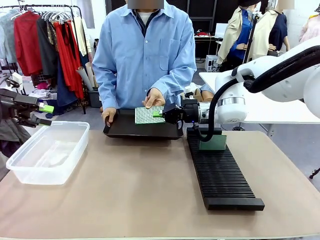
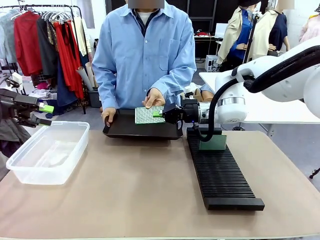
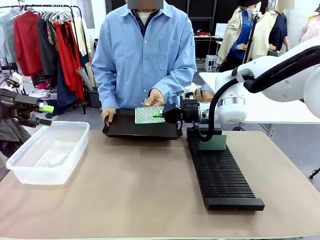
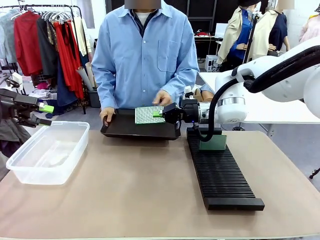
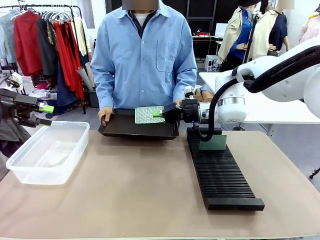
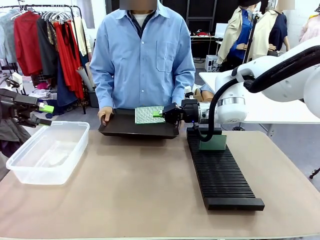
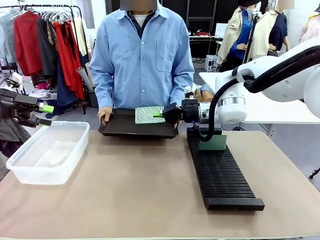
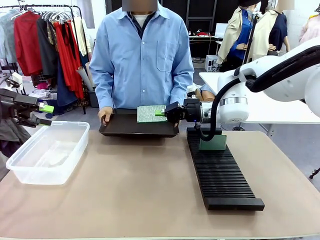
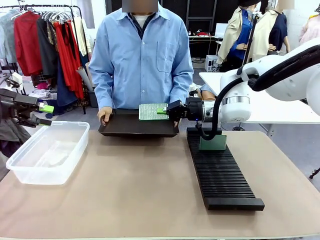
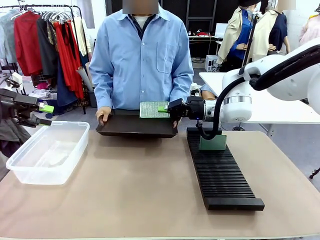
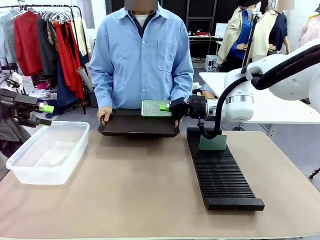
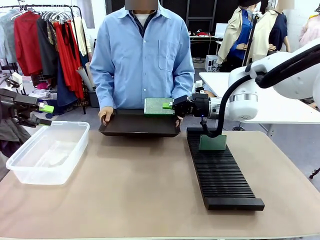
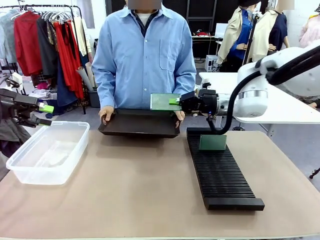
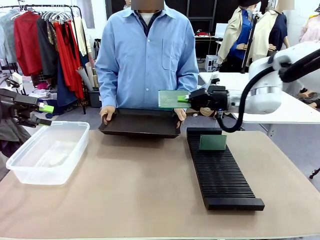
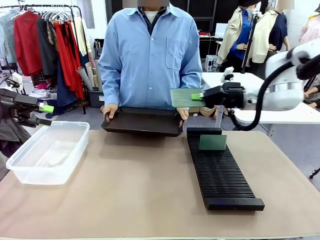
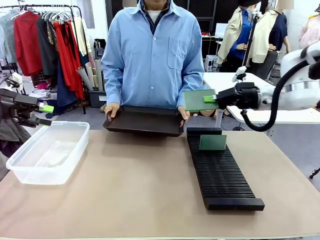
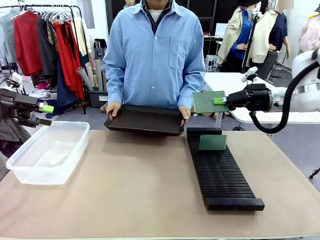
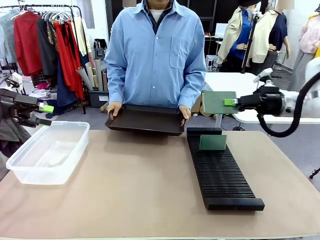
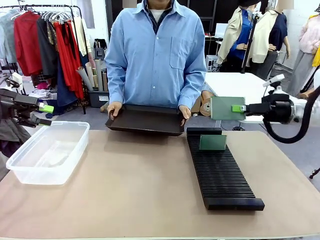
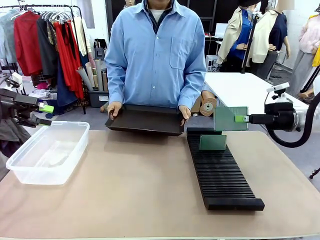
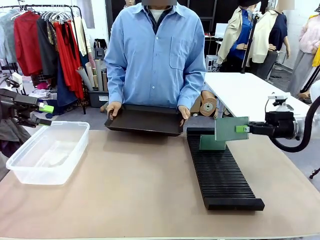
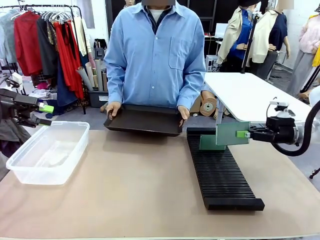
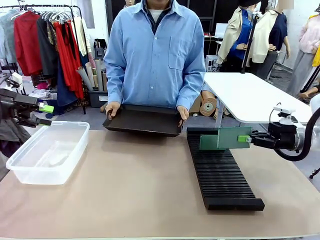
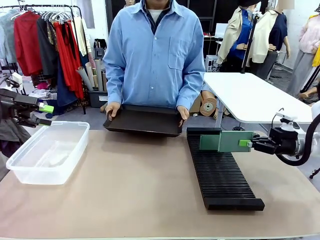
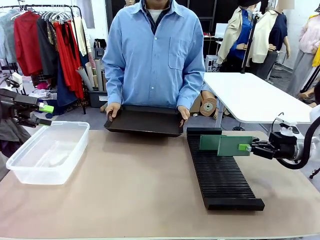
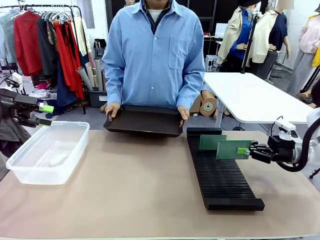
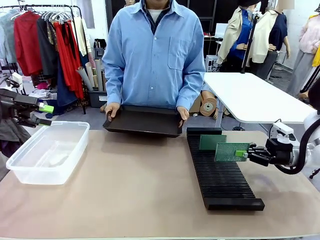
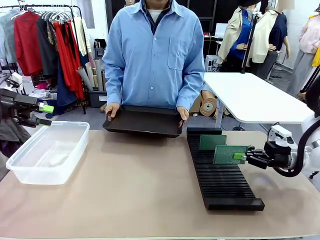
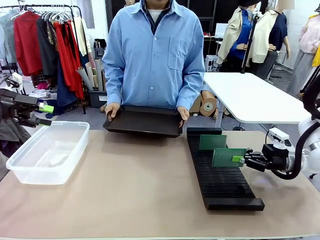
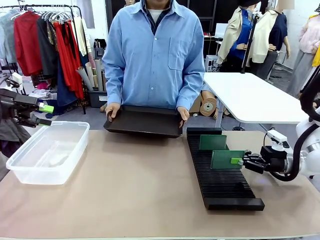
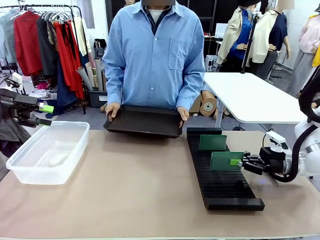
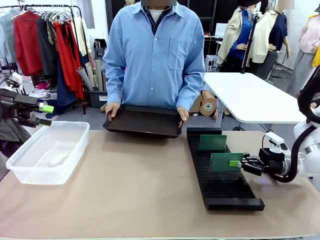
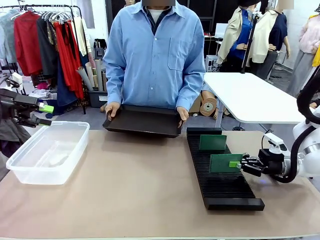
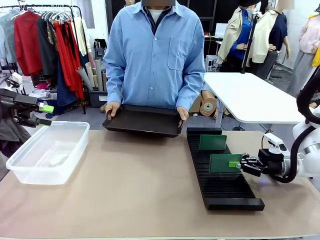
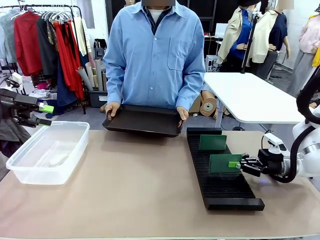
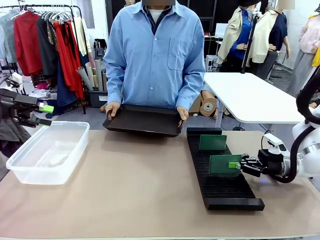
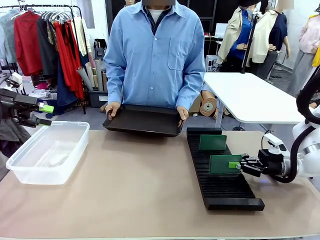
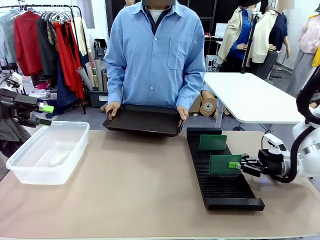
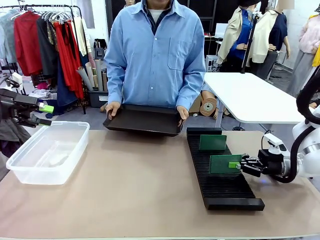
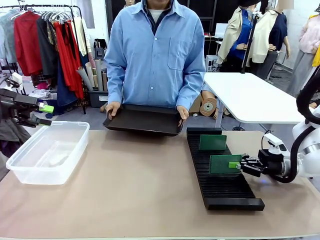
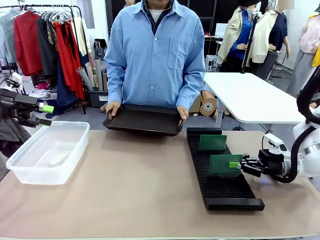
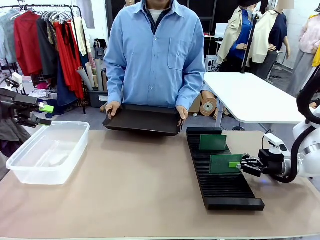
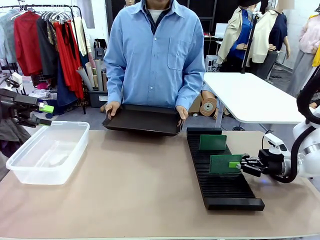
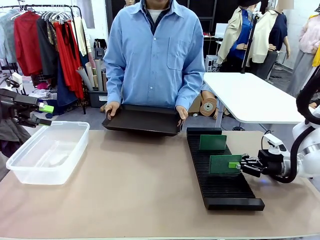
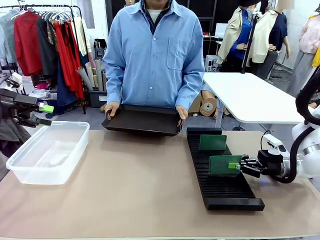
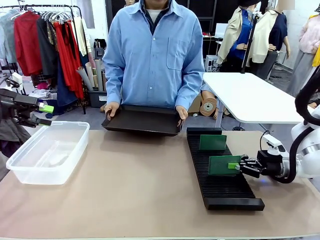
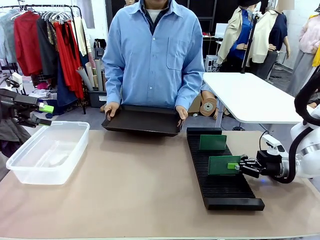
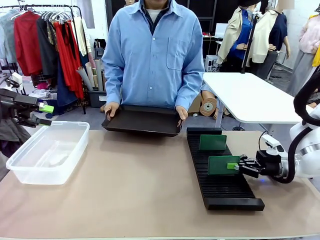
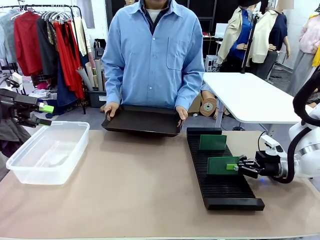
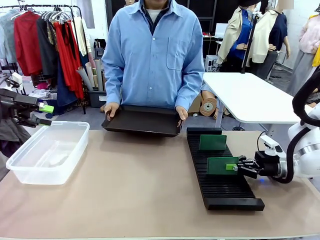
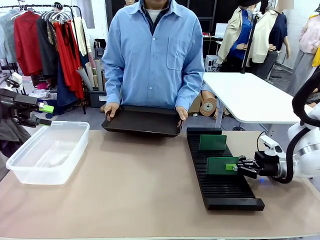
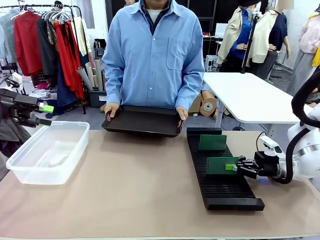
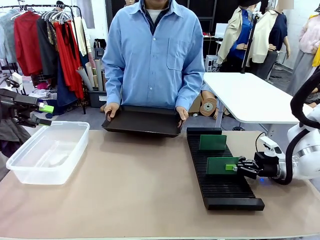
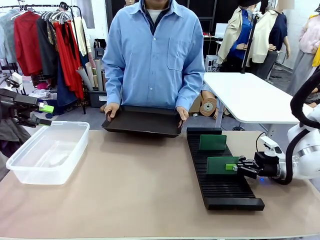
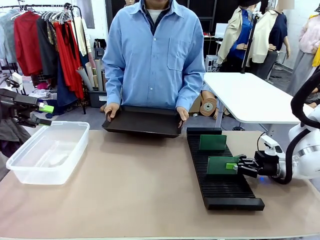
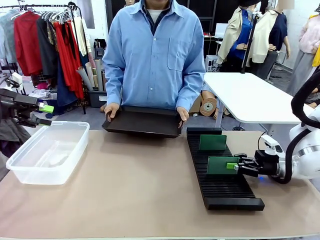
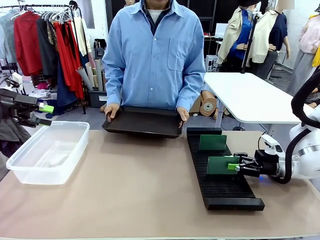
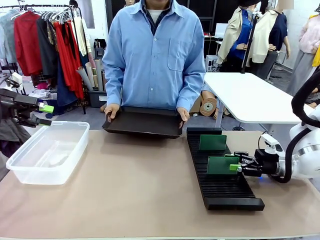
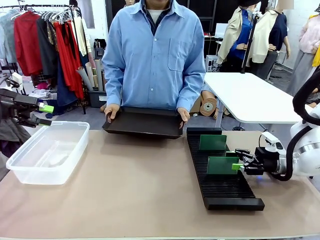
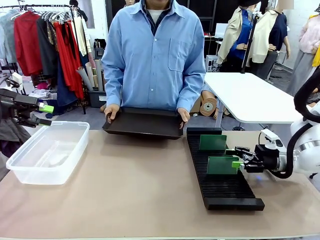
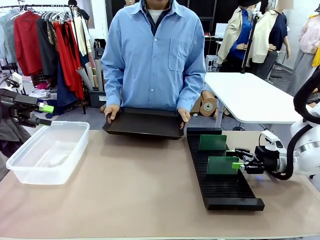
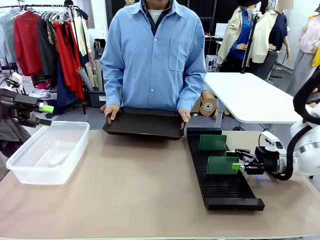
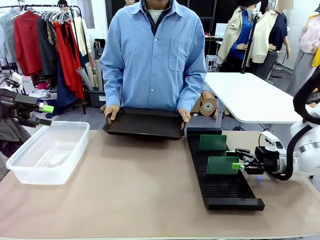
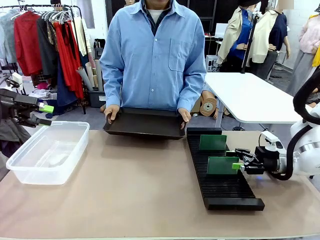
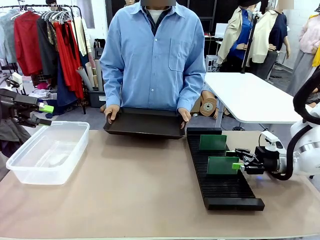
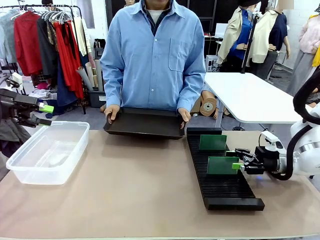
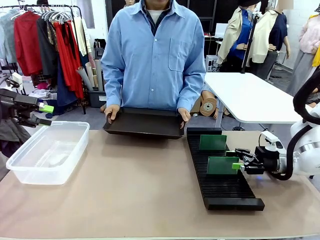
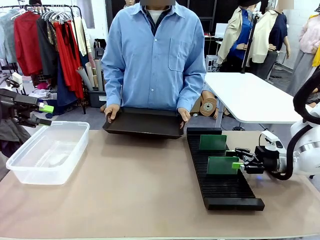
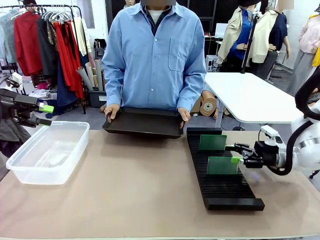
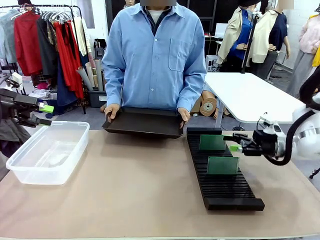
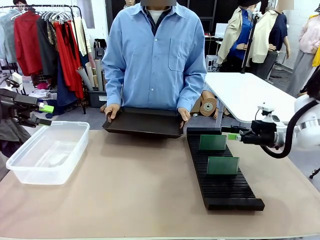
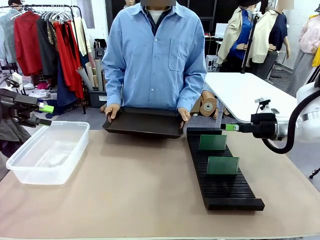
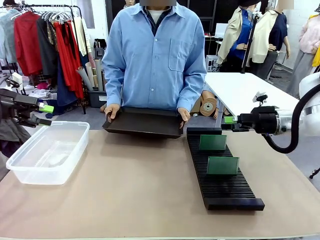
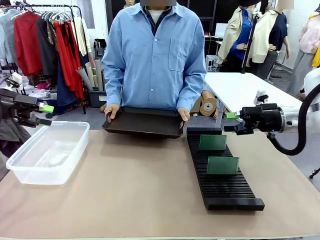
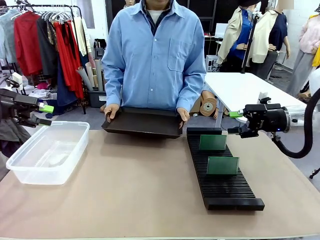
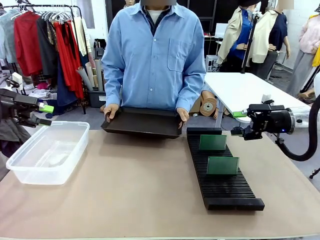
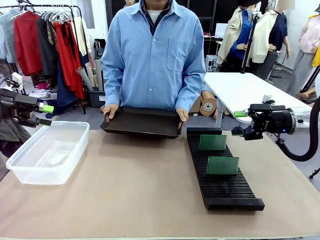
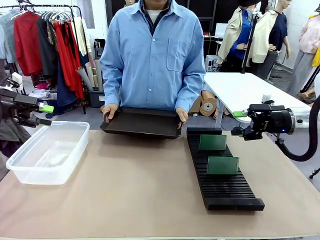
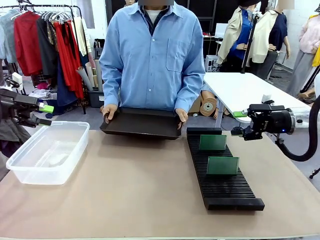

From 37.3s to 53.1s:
Task: Sort PCBs into racks and boxes based on the side picked up.
Robot: If the short side of the Blank PCB is picked up, insert it into the PCB Rack ; if the long side is picked up, place it in the Organizing box.
Person: Release the PCB being held.

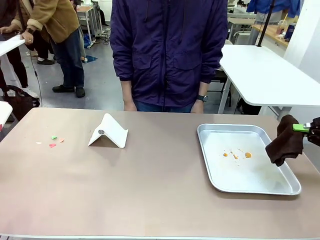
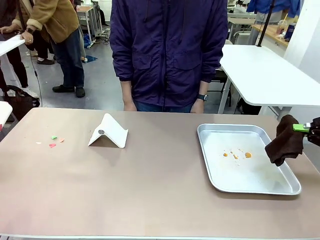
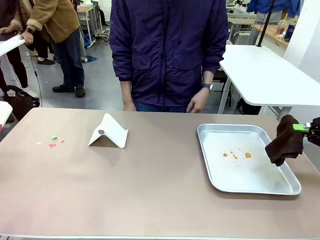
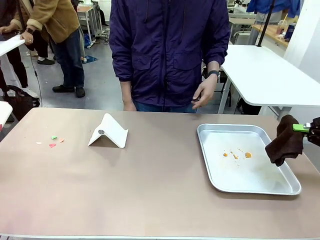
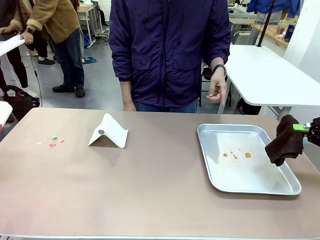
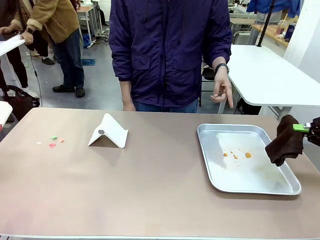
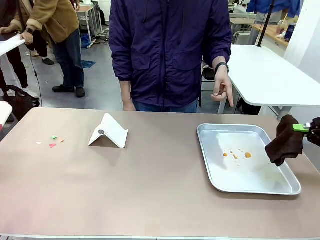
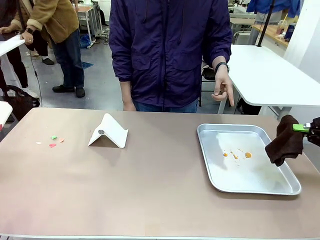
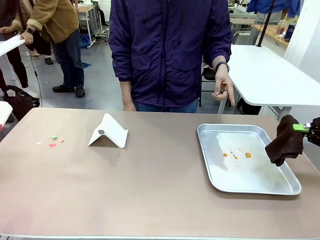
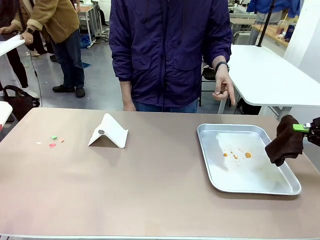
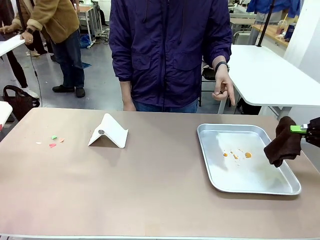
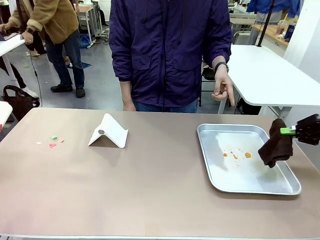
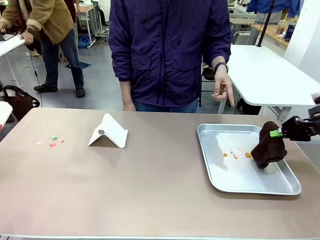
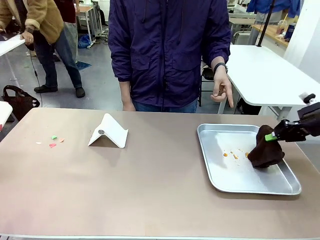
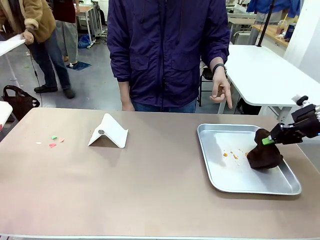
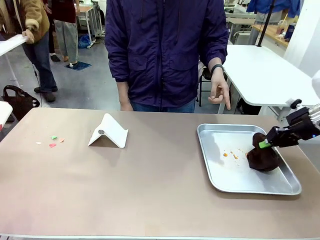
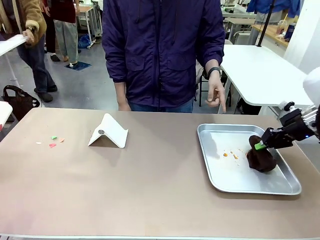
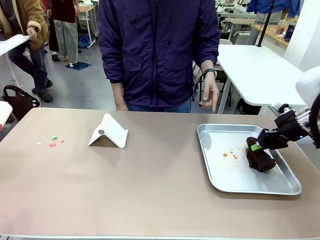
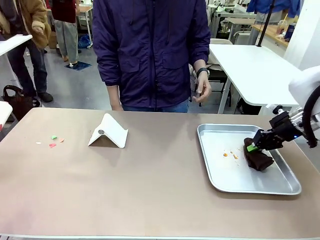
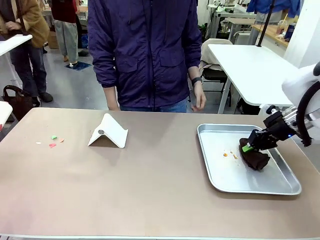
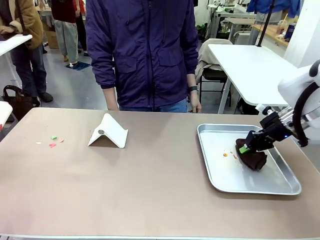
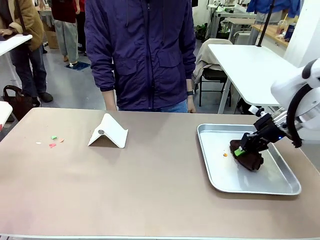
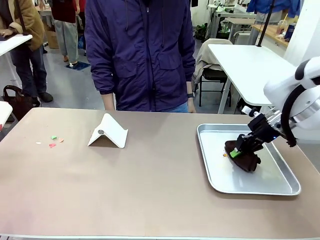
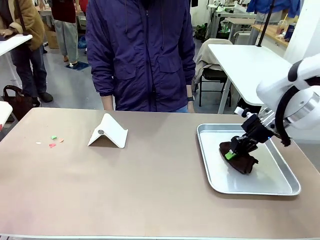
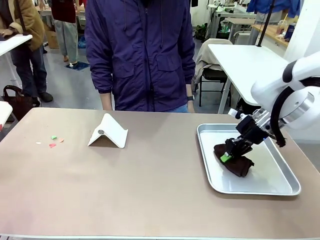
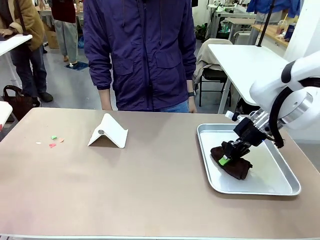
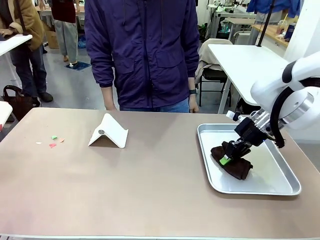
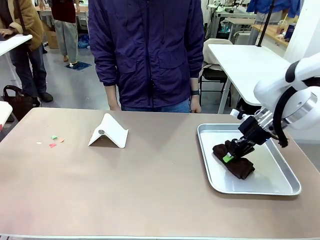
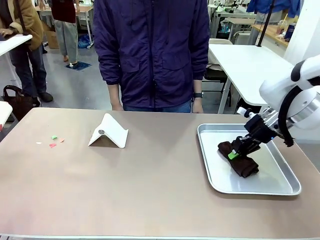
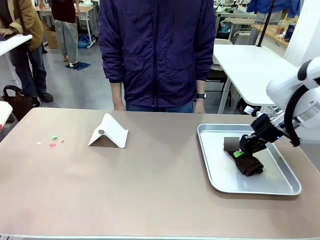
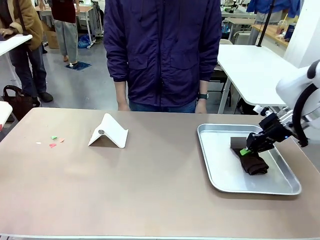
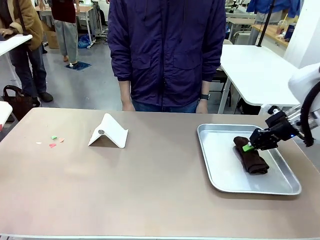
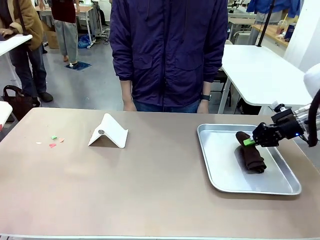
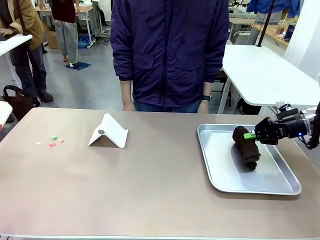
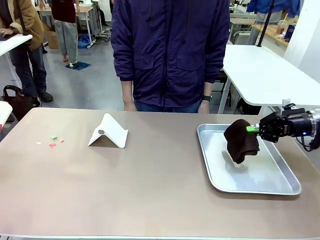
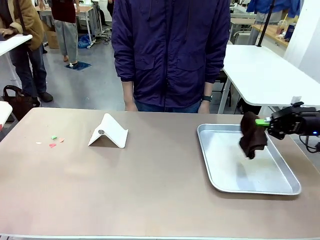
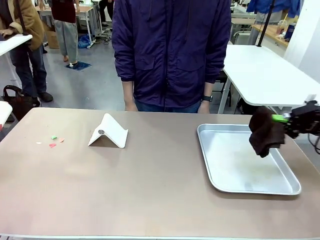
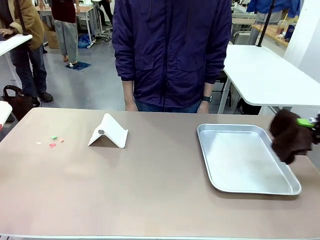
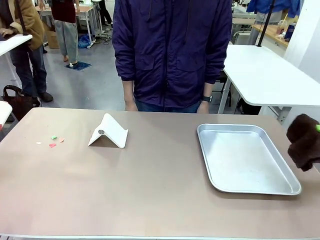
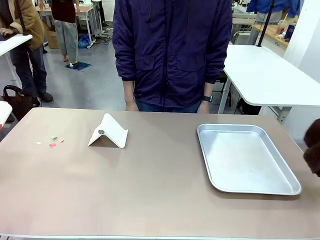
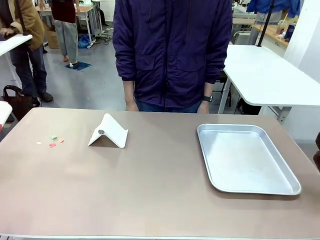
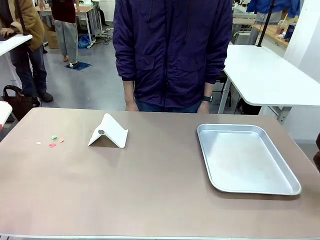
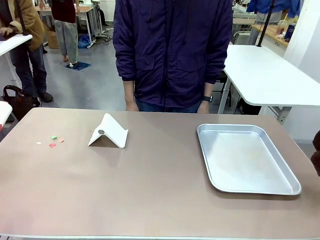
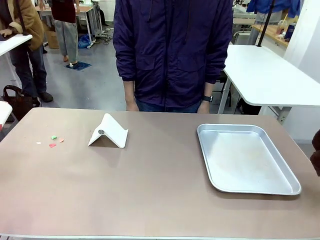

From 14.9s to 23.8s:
Task: Clean the surface of the table.
Robot: If a person points to the right, clean the right side of the table with your right hand, and if they point to the left, clean the left side with your left hand.
